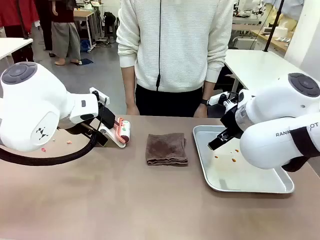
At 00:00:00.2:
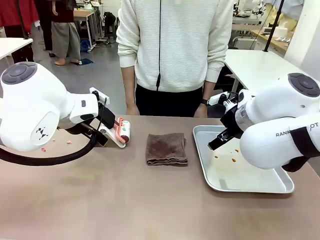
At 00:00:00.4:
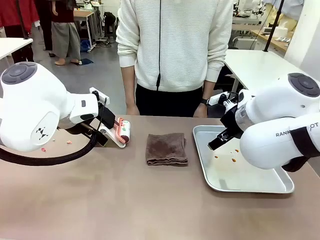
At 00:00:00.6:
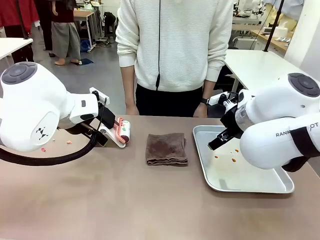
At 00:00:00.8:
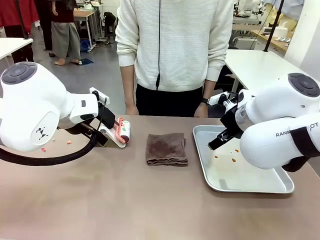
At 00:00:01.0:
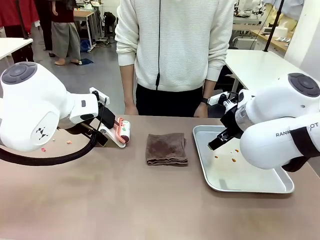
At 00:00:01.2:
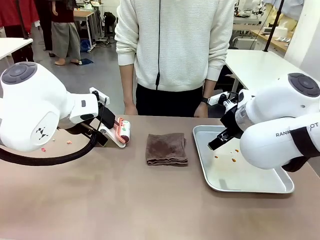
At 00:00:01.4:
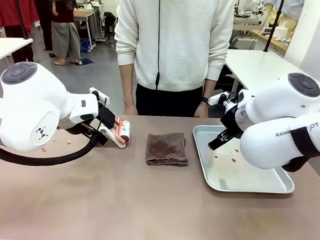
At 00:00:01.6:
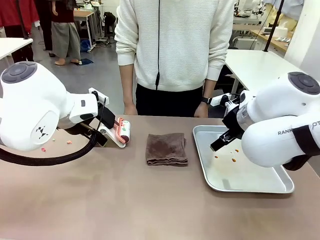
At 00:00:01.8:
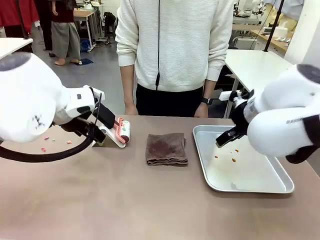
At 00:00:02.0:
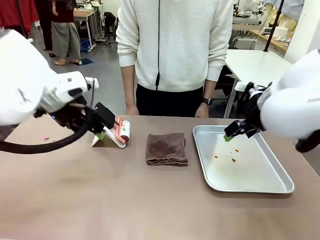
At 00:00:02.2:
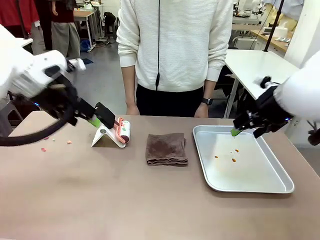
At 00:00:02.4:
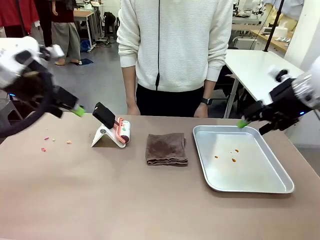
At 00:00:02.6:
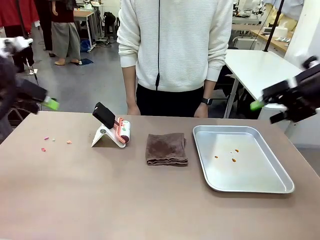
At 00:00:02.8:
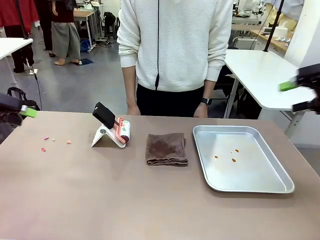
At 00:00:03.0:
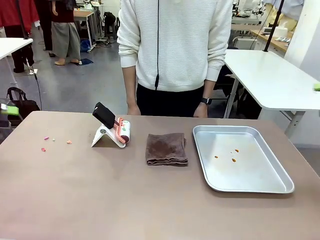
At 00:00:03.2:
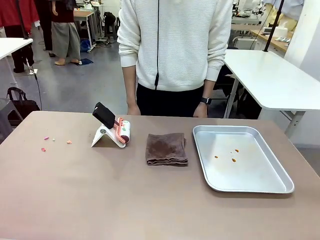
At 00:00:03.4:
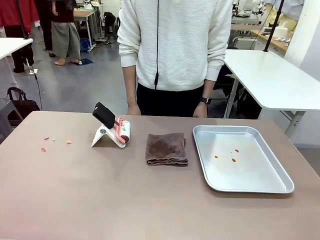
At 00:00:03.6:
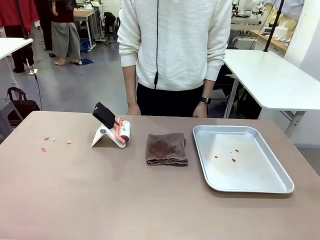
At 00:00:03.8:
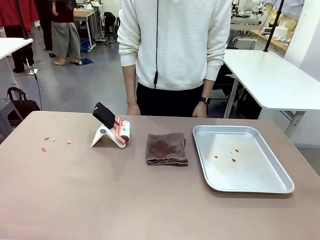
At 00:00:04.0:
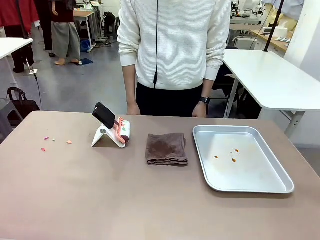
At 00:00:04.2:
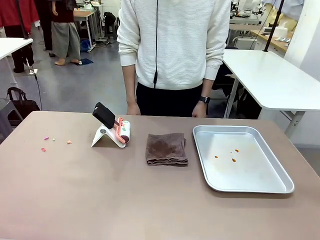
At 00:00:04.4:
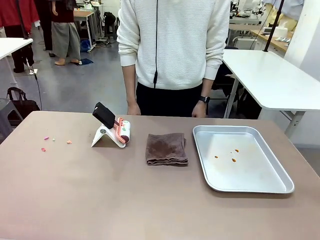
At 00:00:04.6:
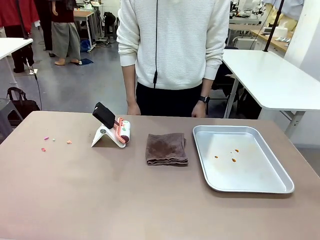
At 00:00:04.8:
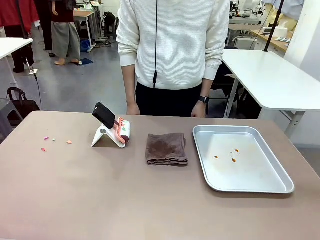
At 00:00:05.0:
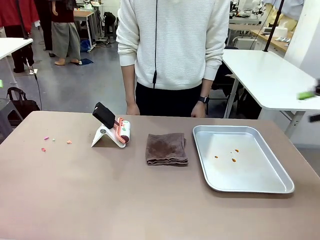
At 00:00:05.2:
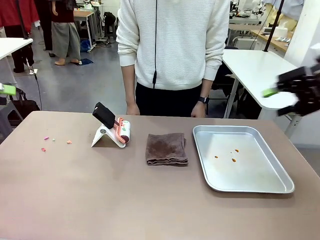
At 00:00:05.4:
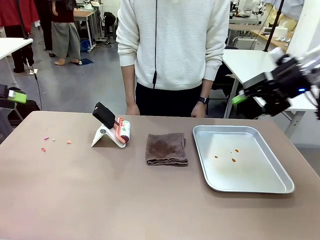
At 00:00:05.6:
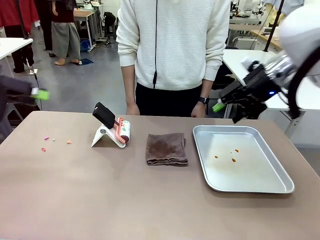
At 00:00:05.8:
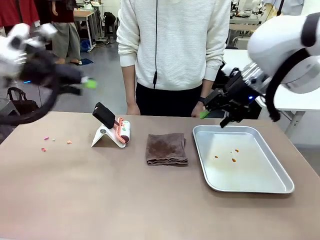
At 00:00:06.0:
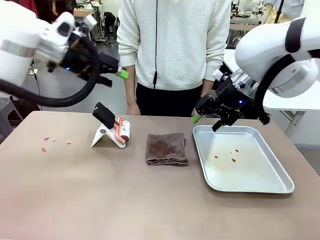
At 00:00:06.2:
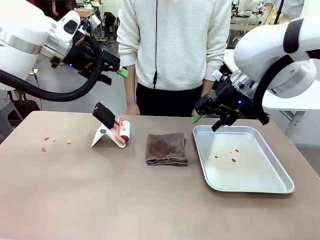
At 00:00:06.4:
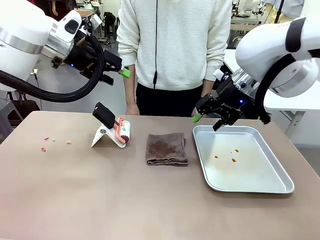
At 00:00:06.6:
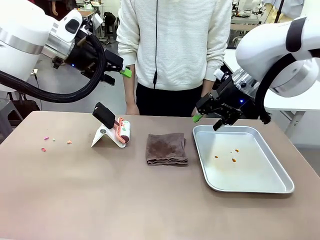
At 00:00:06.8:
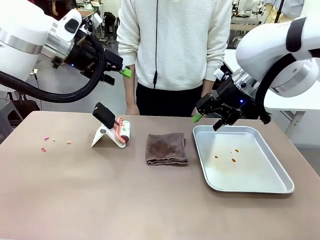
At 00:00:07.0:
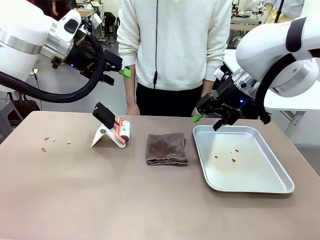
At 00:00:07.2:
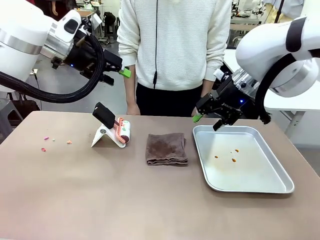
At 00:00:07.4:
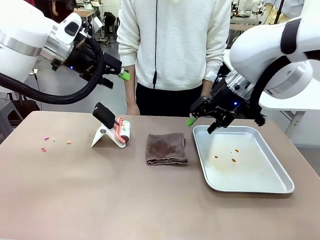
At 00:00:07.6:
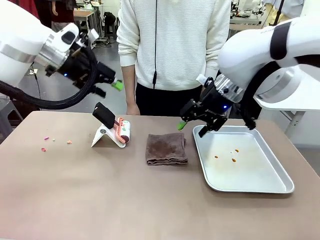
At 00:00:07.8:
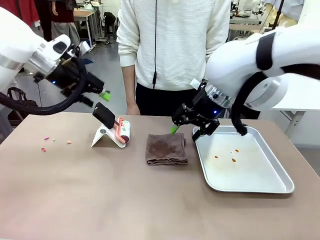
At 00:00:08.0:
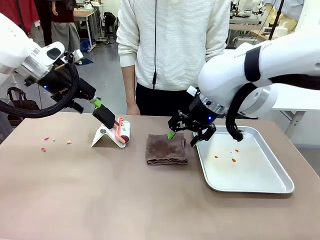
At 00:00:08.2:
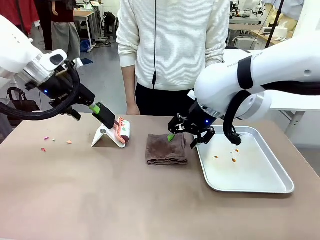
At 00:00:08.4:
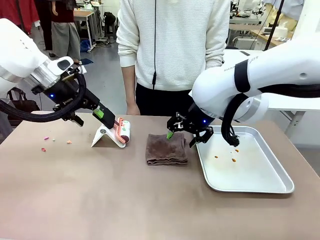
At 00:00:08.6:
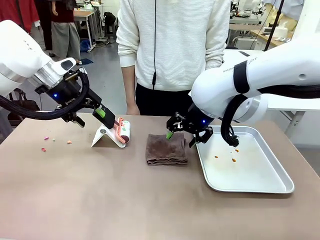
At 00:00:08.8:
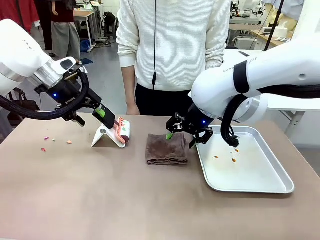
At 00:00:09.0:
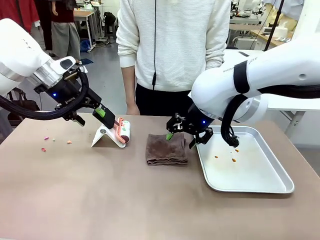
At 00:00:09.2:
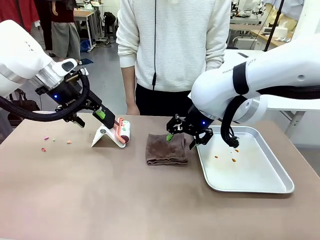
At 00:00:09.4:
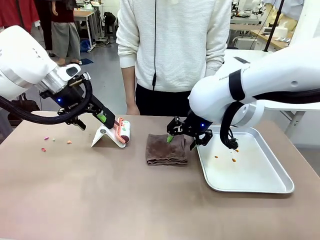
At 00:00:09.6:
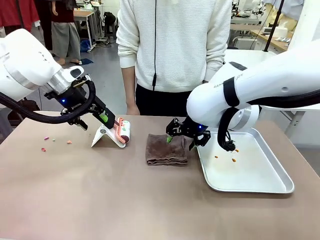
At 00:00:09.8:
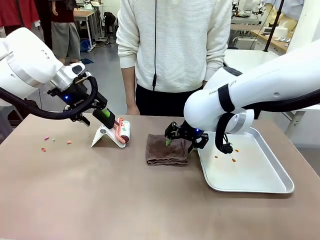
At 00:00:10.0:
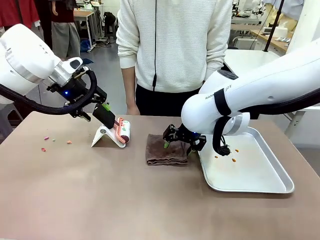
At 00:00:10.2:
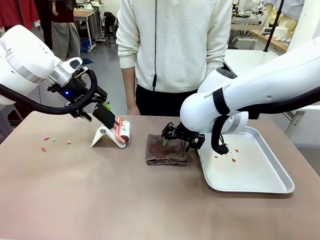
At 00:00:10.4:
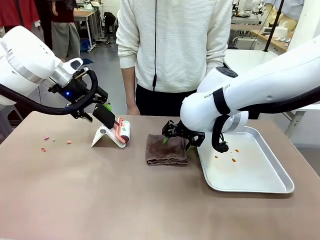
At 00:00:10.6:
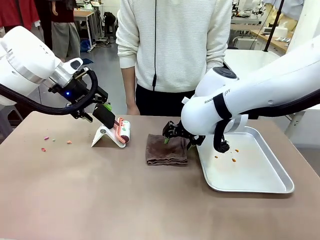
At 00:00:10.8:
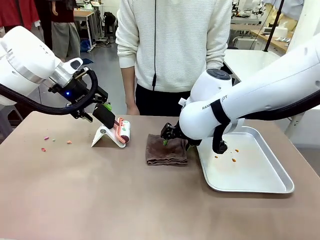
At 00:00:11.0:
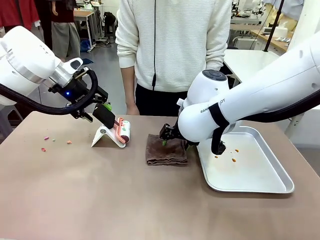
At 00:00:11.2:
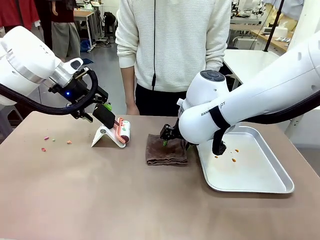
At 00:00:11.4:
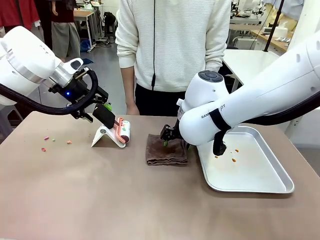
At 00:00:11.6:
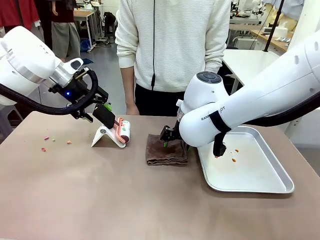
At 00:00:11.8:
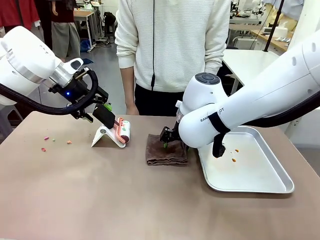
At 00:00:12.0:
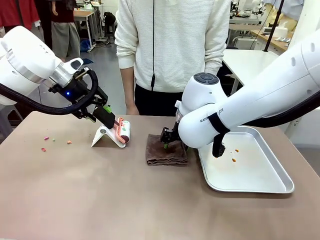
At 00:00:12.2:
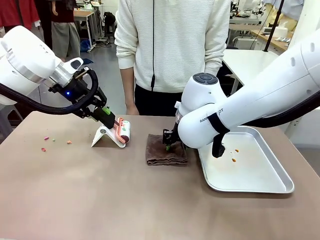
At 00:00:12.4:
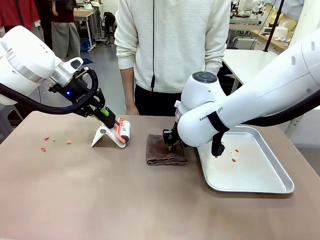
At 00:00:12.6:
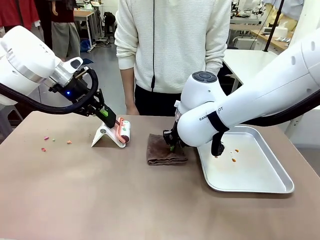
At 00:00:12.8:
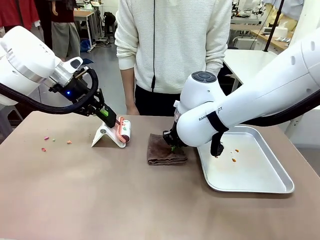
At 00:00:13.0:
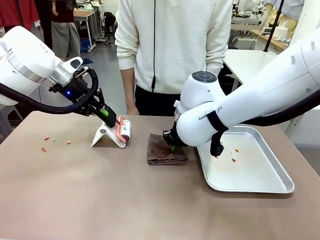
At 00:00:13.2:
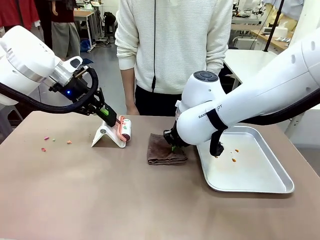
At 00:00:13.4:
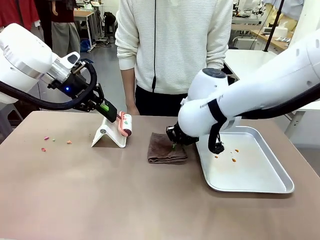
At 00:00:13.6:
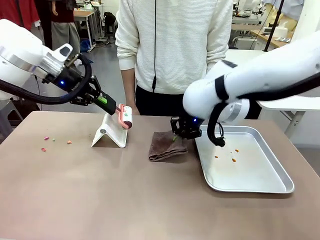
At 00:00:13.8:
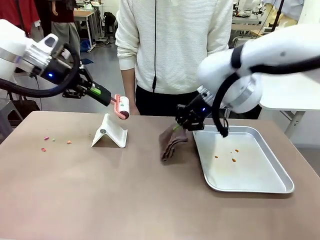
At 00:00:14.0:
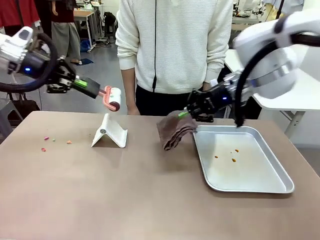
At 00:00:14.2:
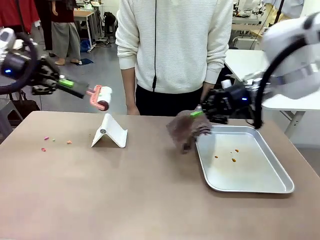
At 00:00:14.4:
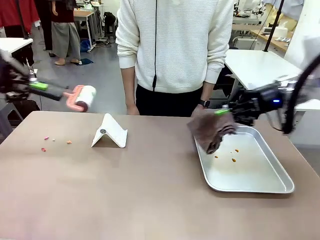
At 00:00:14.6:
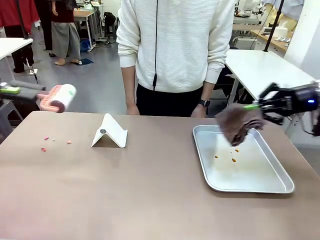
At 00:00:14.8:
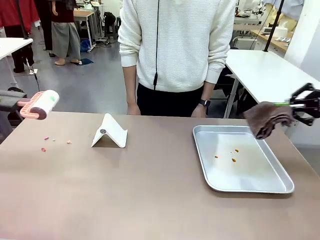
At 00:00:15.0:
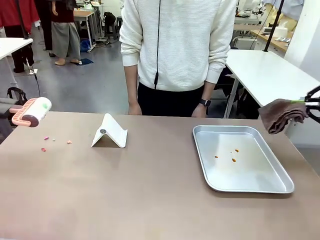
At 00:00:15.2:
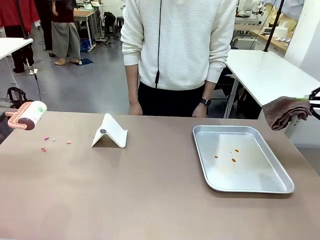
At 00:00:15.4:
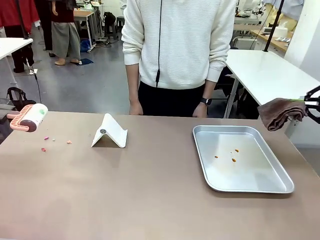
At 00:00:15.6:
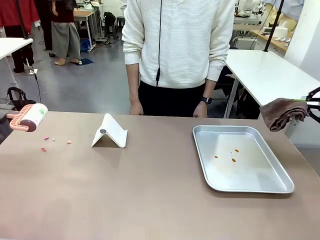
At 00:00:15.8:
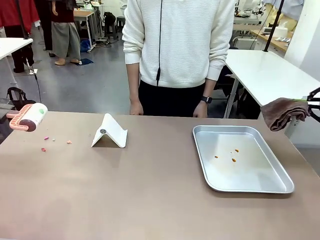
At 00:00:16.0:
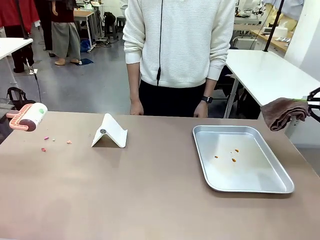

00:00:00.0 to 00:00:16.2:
Task: Clean the surface of the table.
Robot: Hold the Lint Roller with your left hand and the towel with your right hand.
